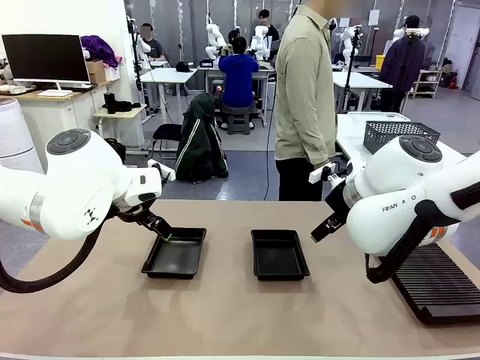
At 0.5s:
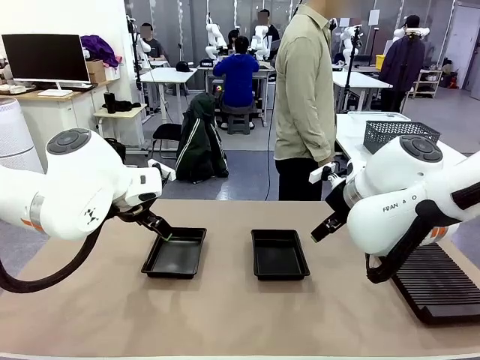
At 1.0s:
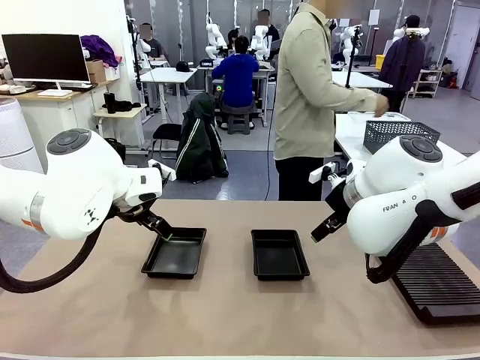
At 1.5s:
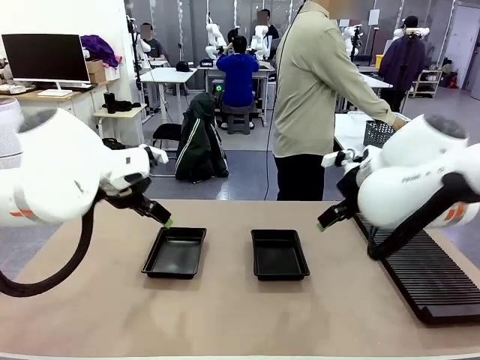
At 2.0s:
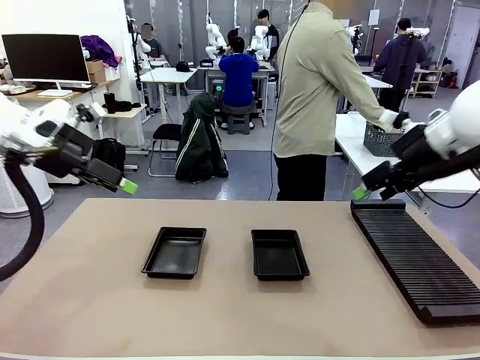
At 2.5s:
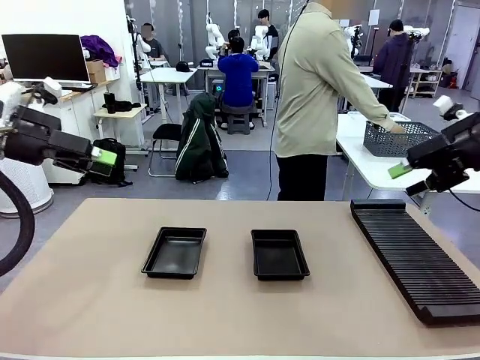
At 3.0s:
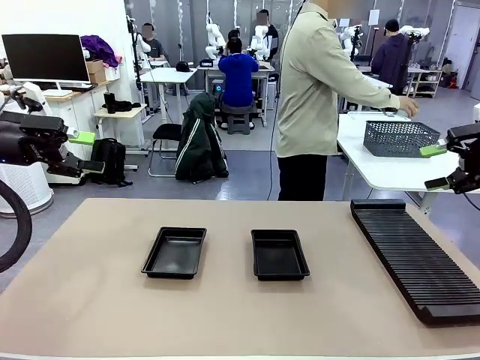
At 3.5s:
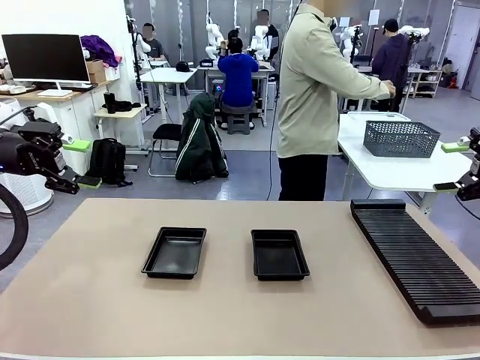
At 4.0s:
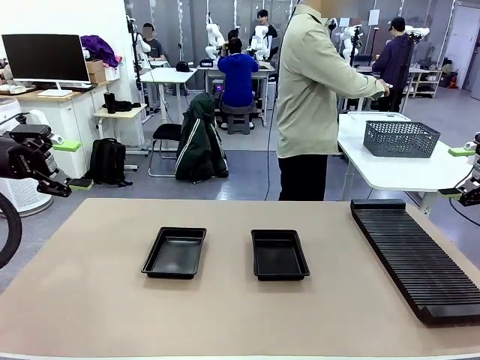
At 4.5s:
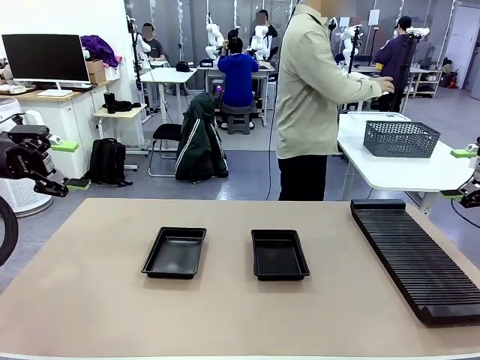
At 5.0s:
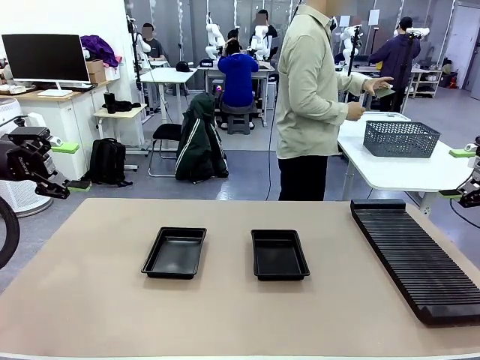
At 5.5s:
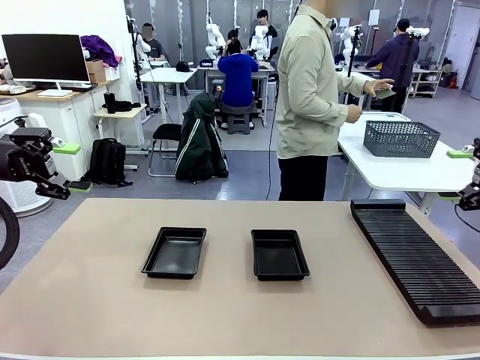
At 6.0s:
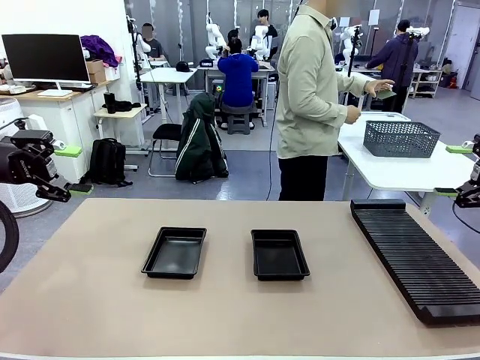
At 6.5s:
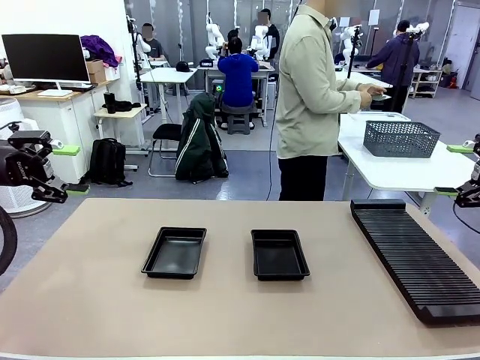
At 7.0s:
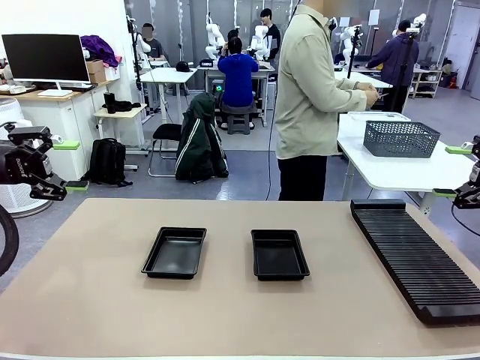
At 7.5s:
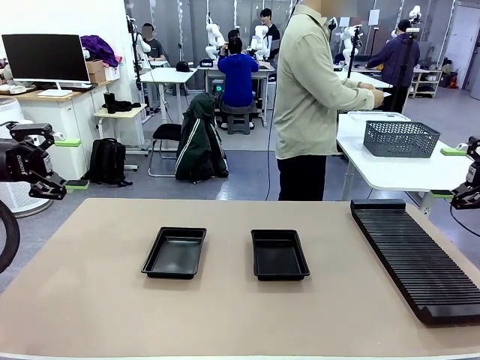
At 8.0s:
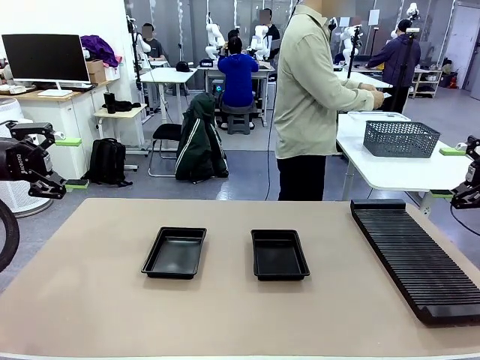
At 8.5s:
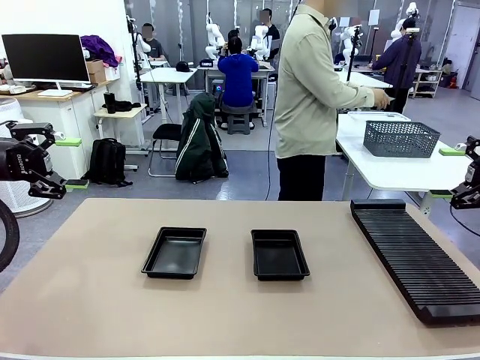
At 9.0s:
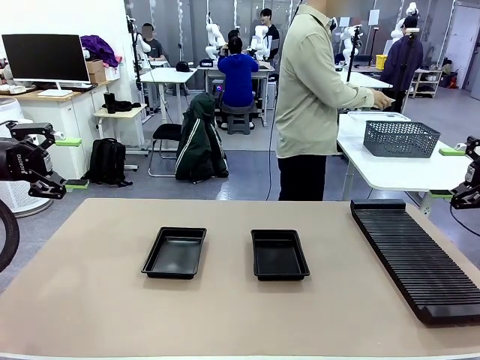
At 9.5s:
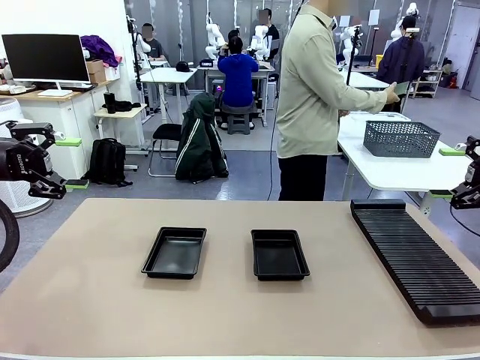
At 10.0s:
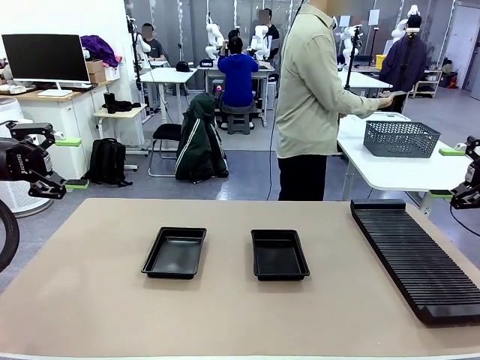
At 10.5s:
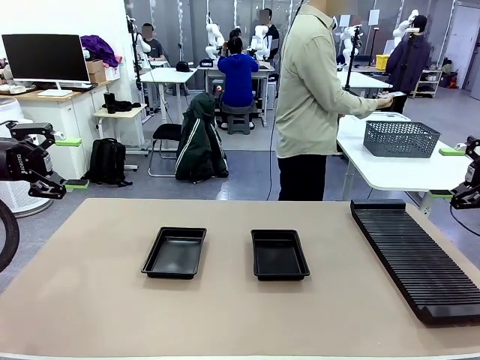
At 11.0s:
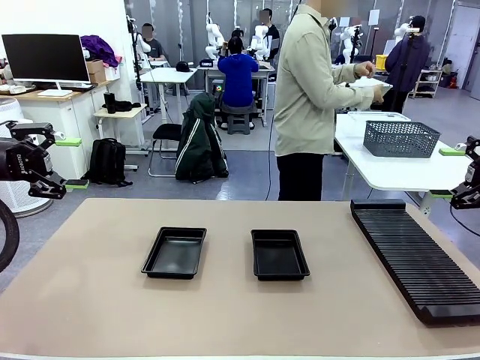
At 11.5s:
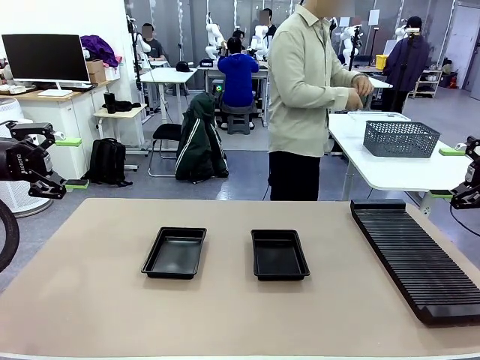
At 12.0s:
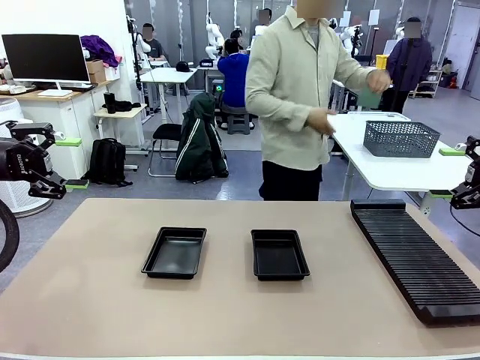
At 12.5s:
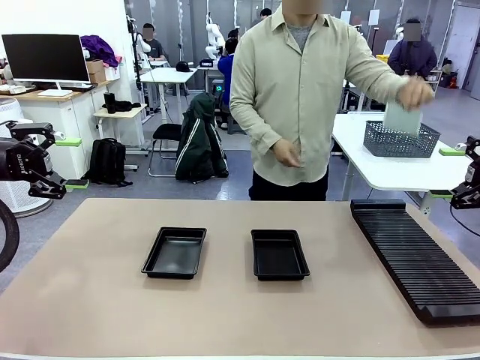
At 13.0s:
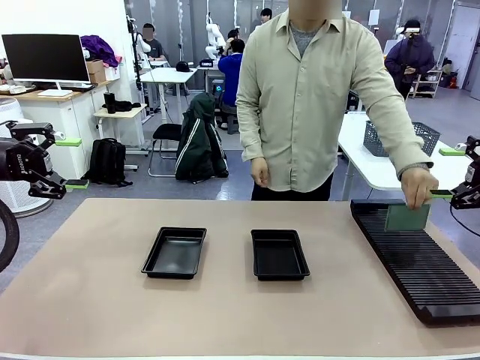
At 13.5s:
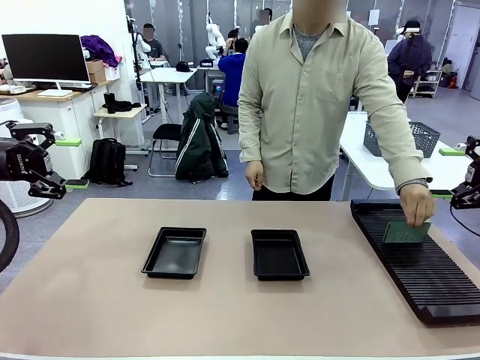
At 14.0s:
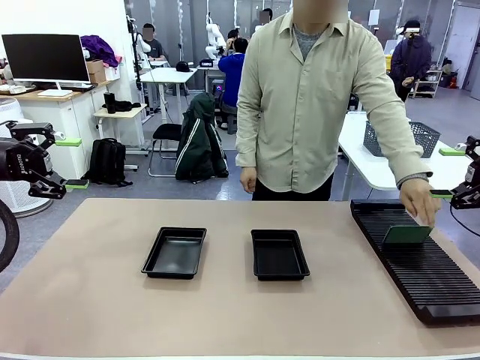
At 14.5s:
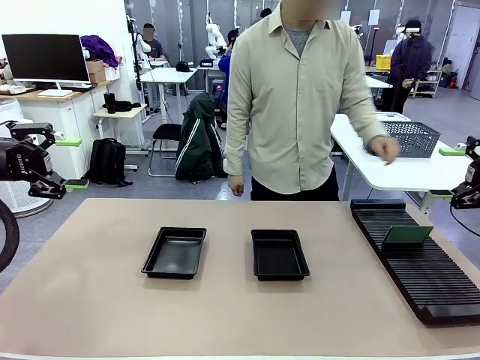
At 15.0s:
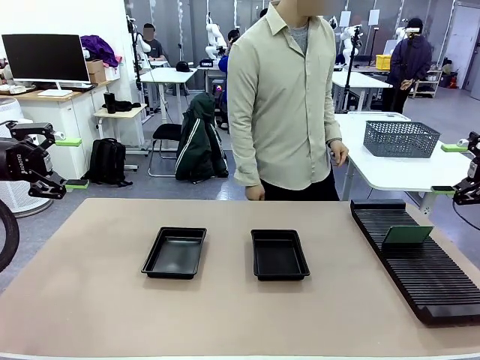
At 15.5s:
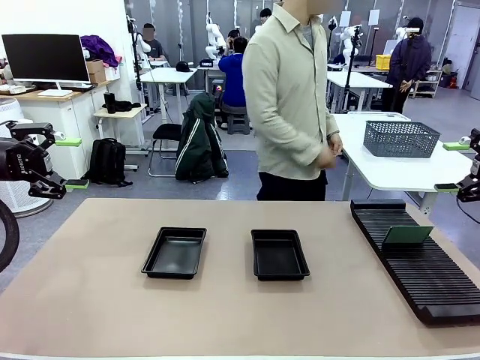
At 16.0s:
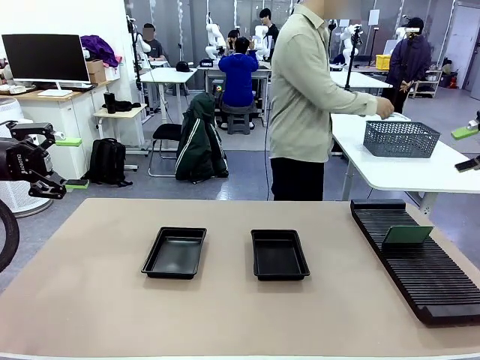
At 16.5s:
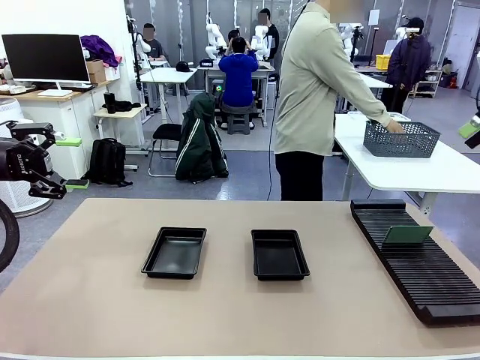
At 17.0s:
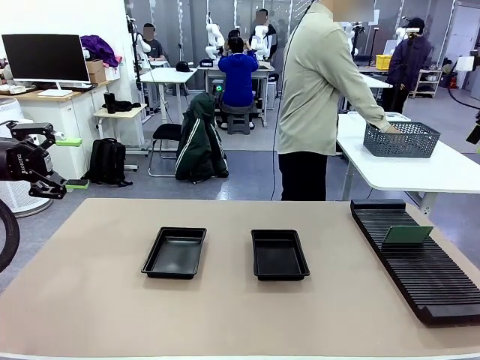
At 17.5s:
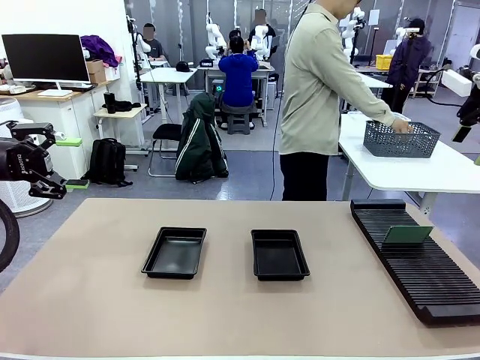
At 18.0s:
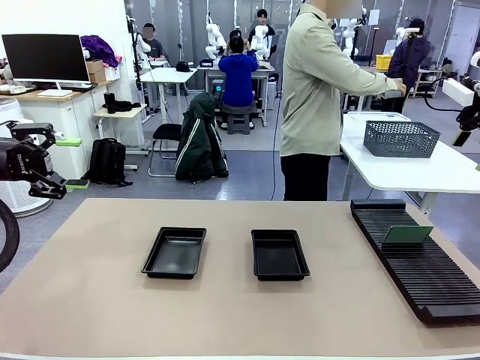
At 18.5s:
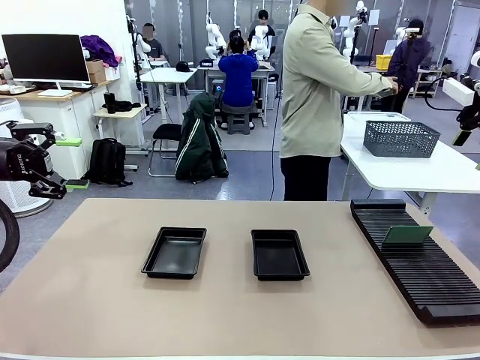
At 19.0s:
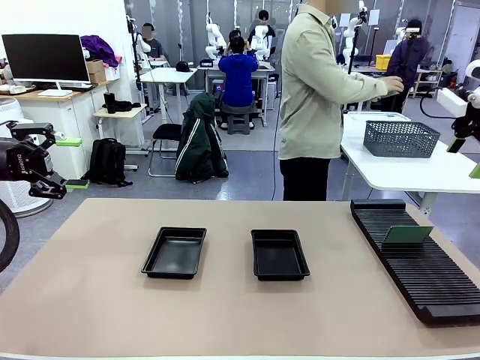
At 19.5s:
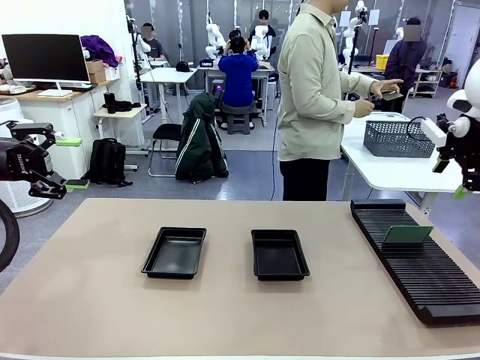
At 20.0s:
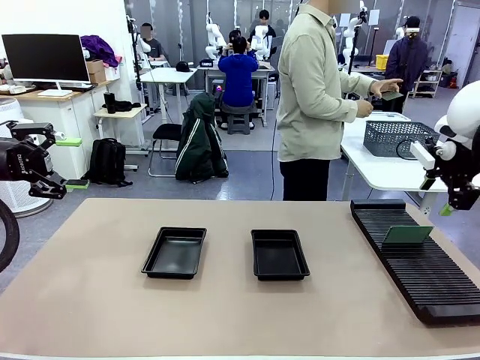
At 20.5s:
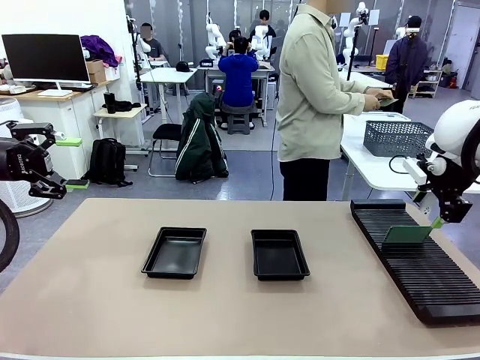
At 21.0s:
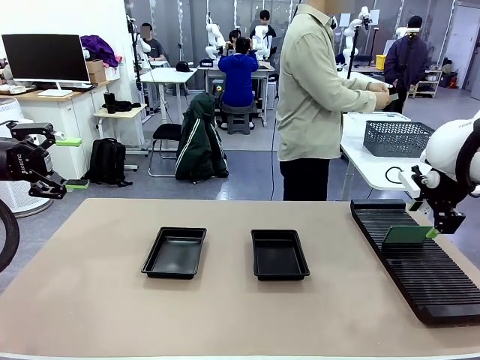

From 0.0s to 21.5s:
Task: Inspect and transfer BCBs to ESD trays.
Robot: Pick up the Blank PCB from the PCB Rack and place it in the left ESD tray.
